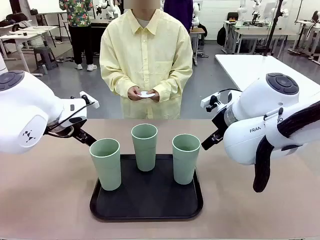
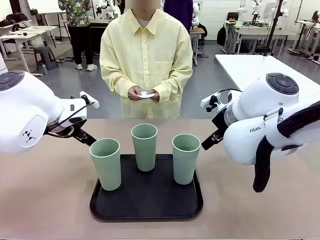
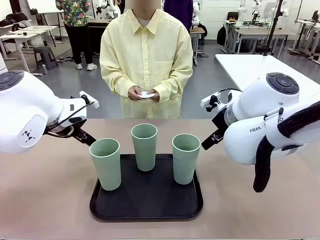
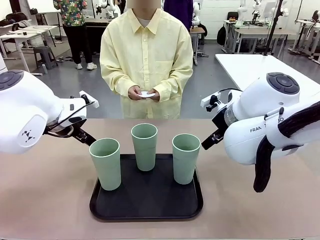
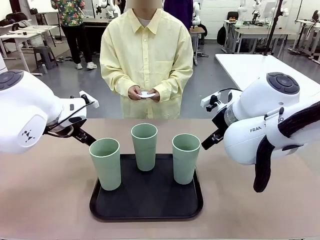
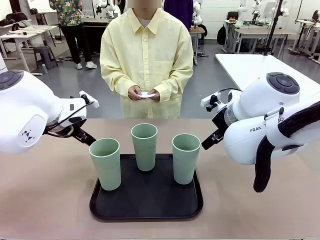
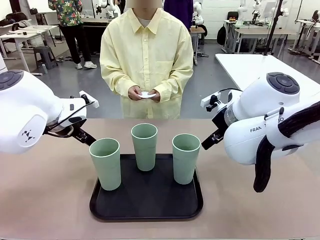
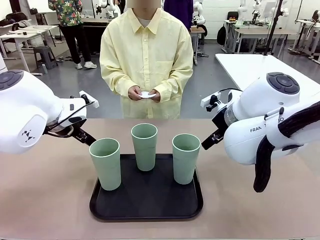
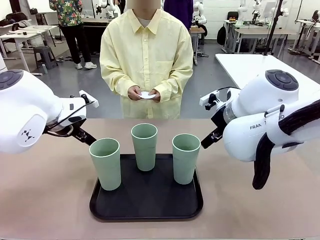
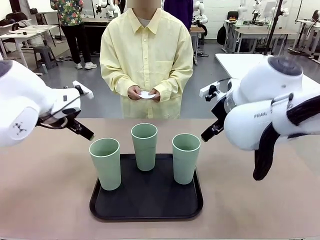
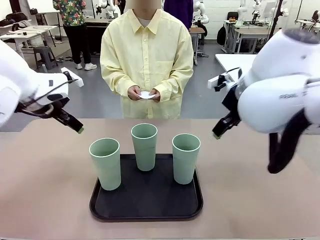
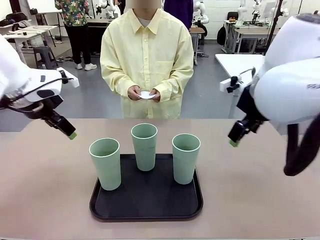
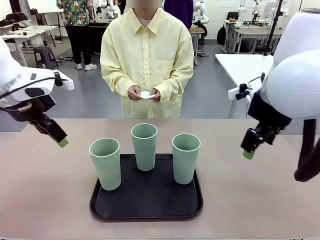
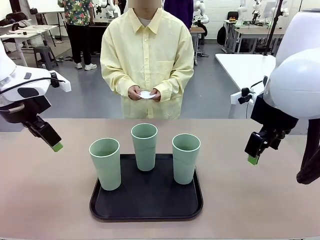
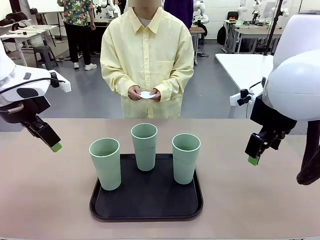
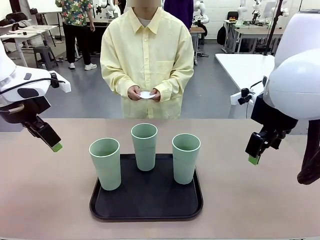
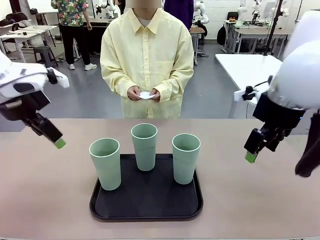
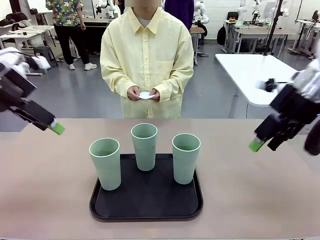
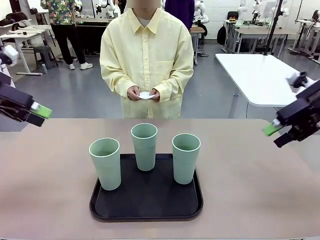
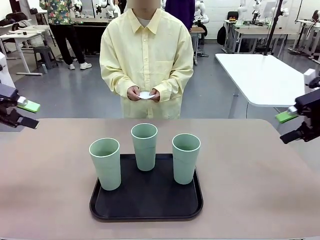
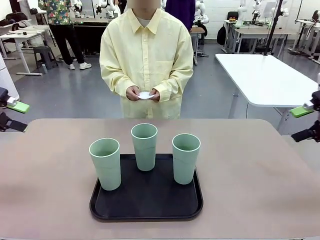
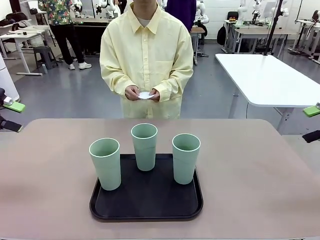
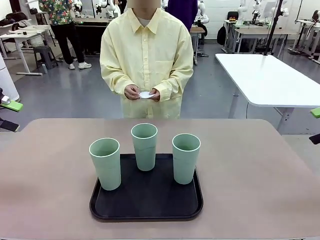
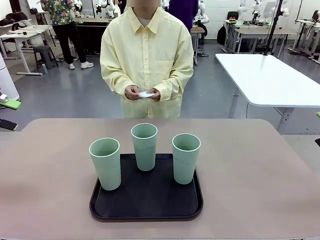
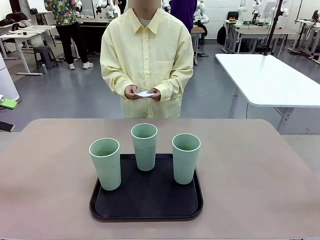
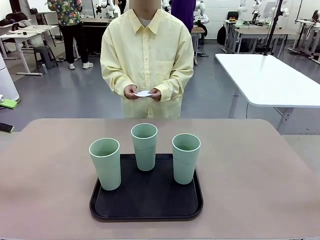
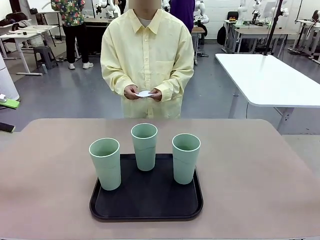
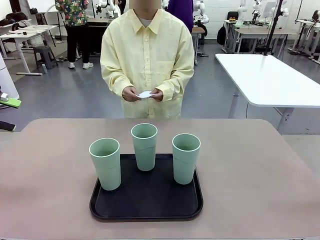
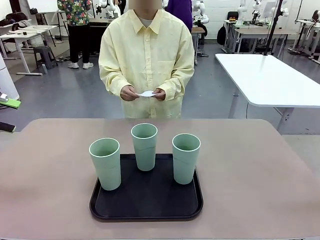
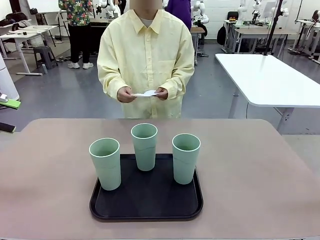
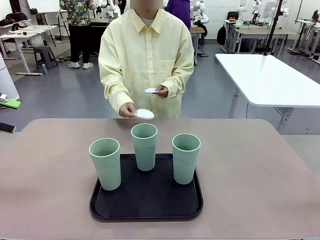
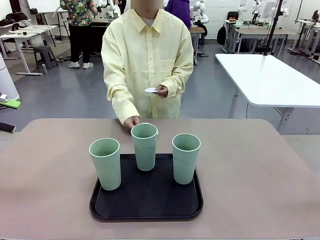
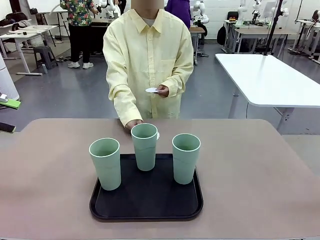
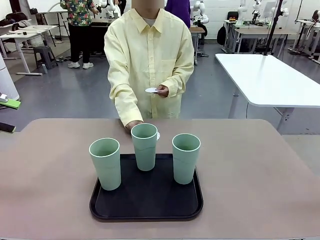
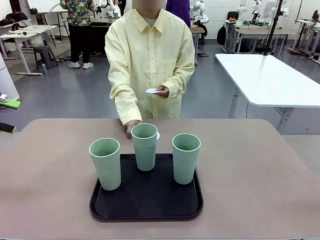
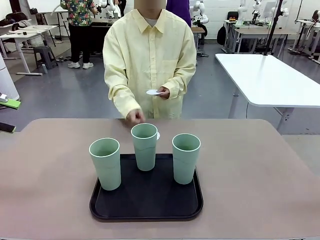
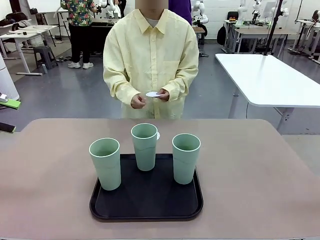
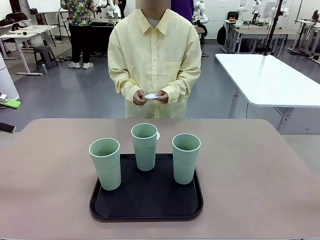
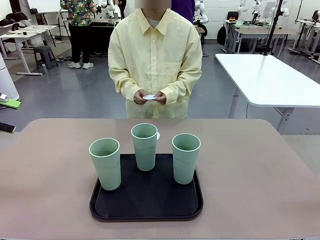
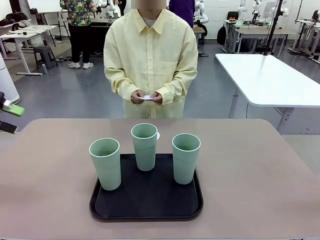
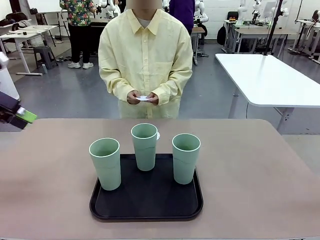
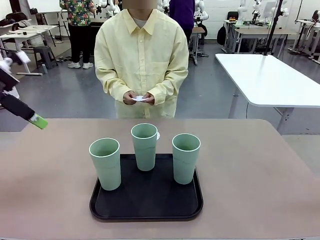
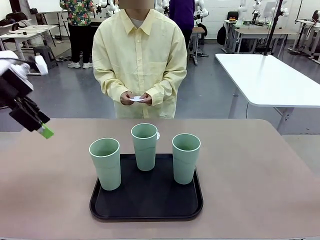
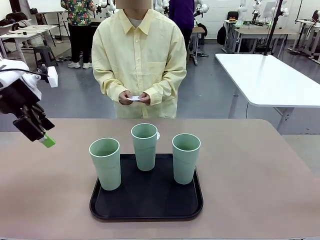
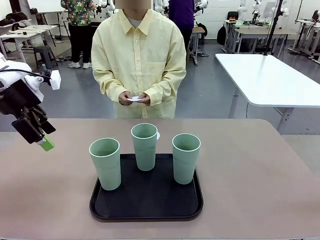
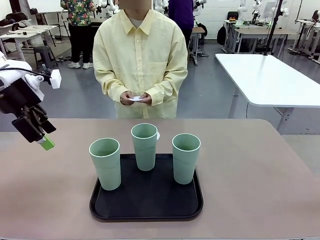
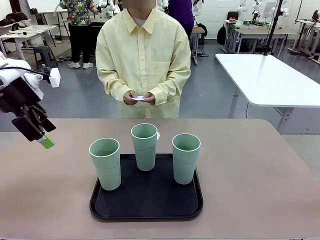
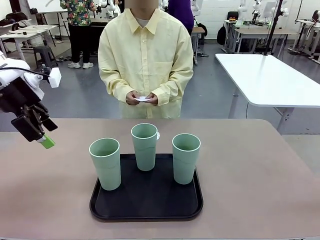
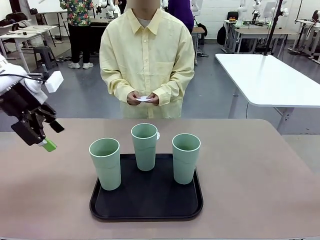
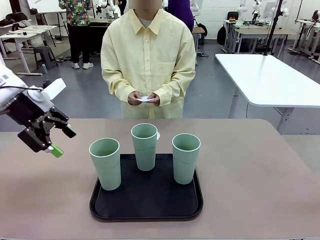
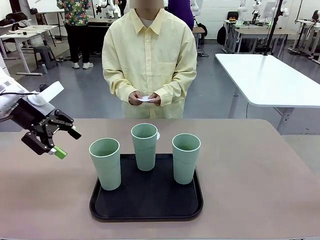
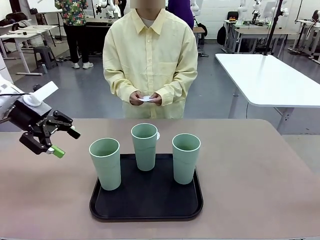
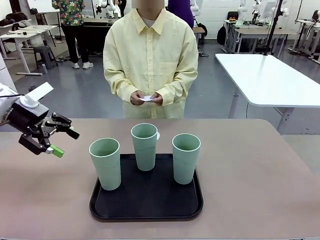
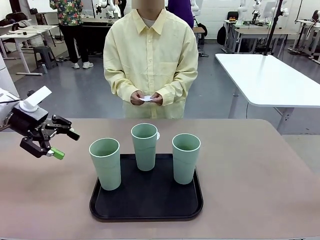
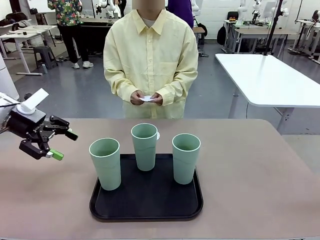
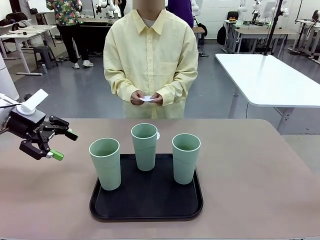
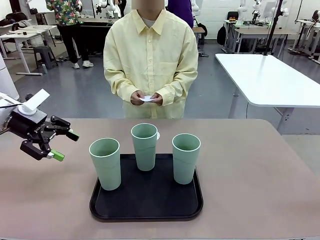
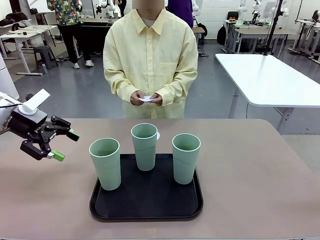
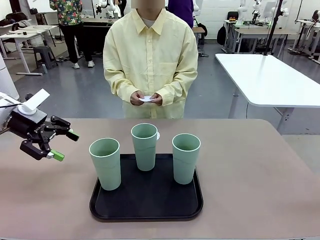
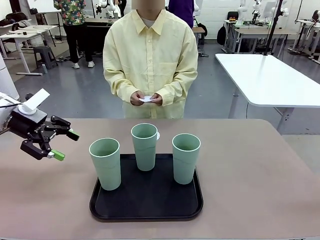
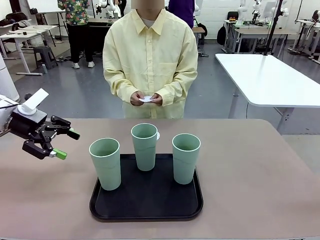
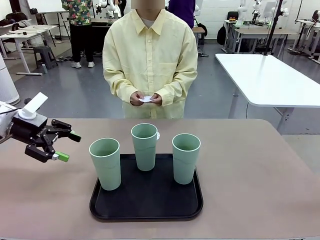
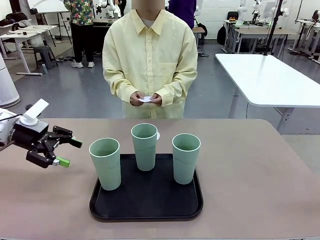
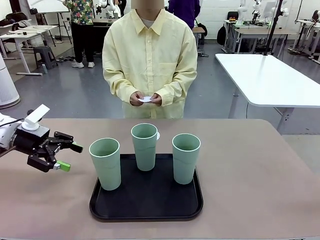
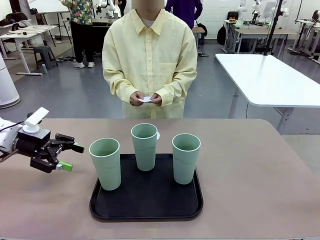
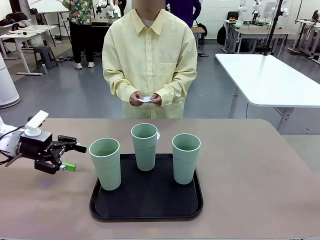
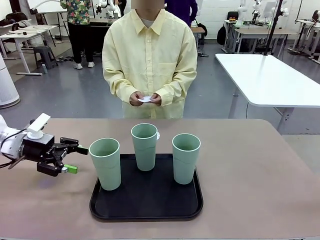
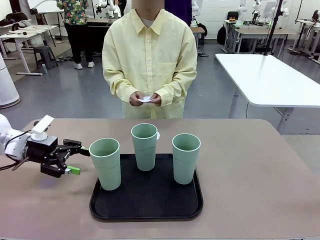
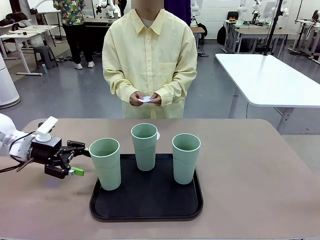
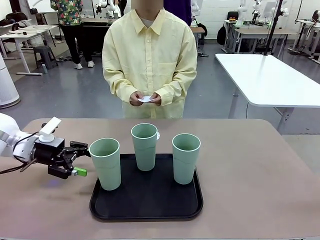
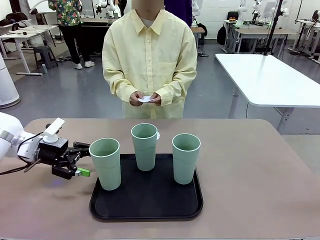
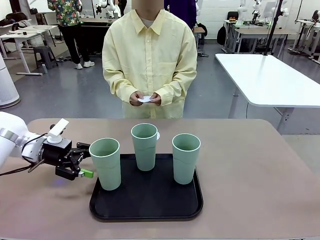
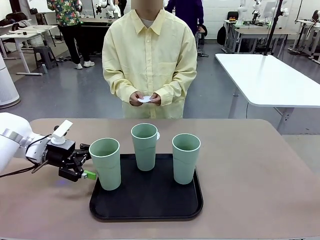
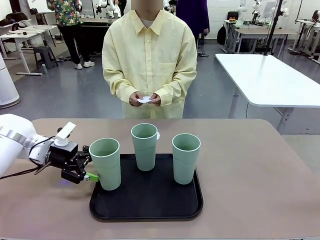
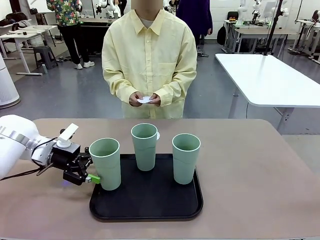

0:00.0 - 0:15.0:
Task: Place coasters on the table and set cups on them.
Robot: Pick up one Reusable plastic cup and place it on a coaster set by the human.
Person: Place one coaster in any one of the three lower areas of the robot table (left, center, or right).
